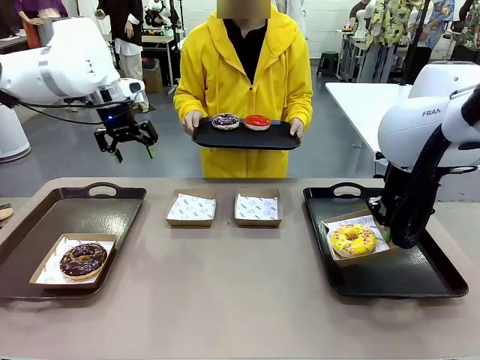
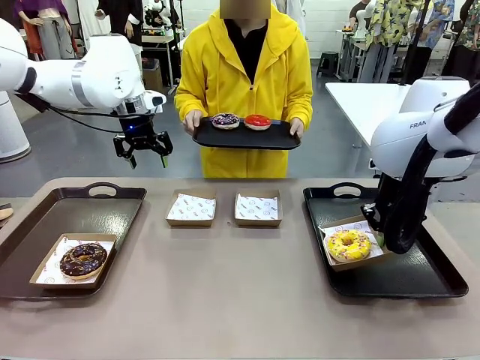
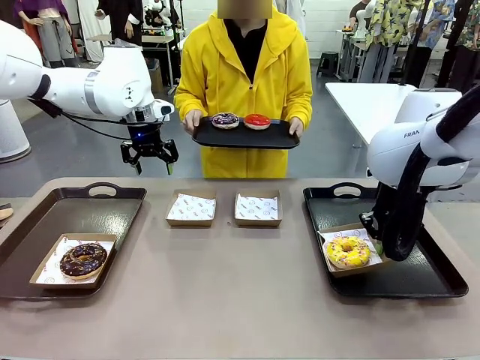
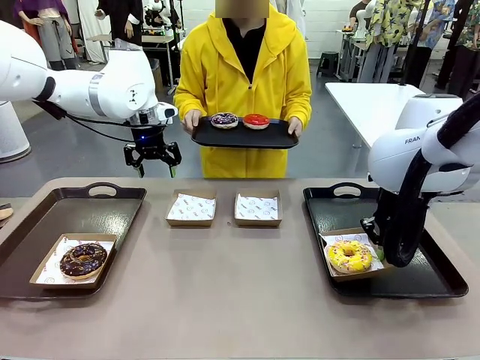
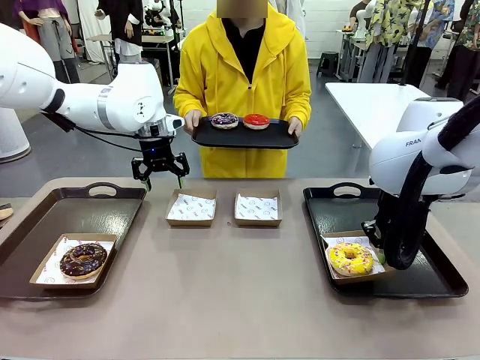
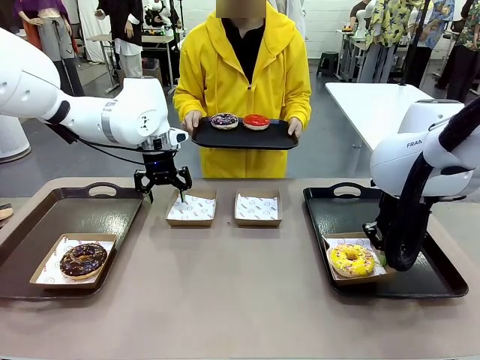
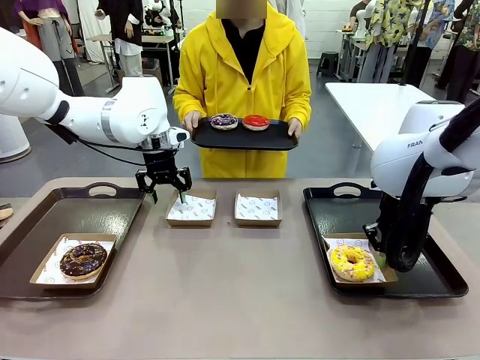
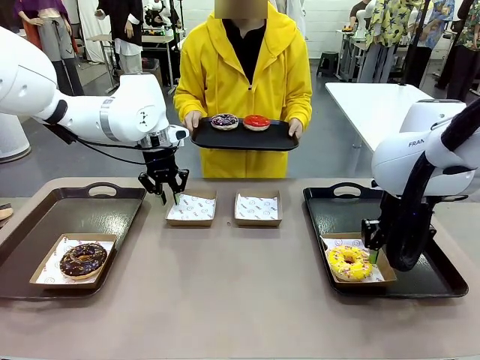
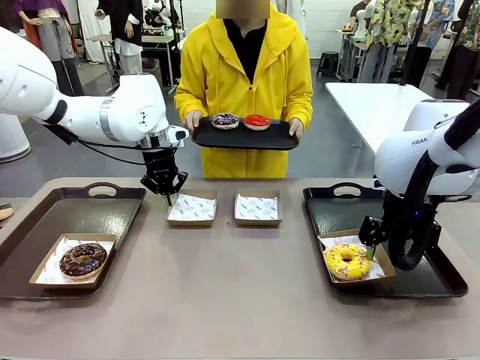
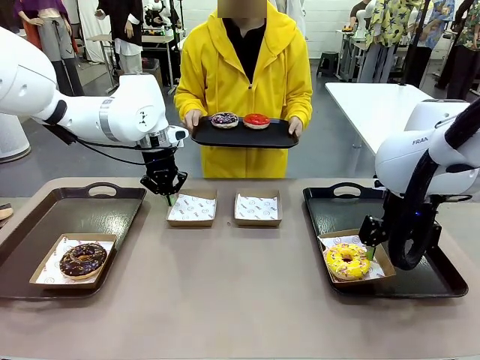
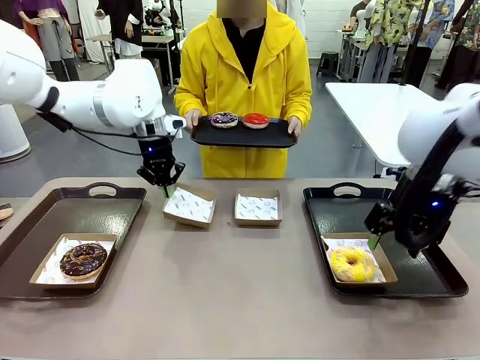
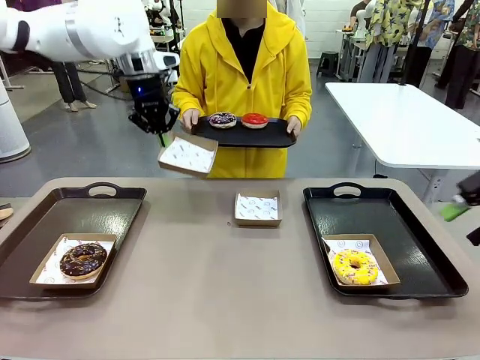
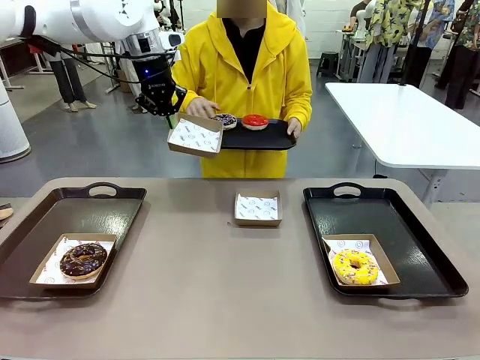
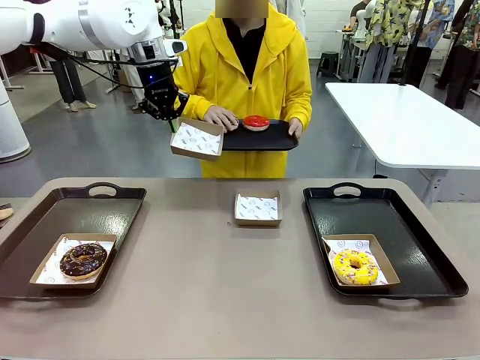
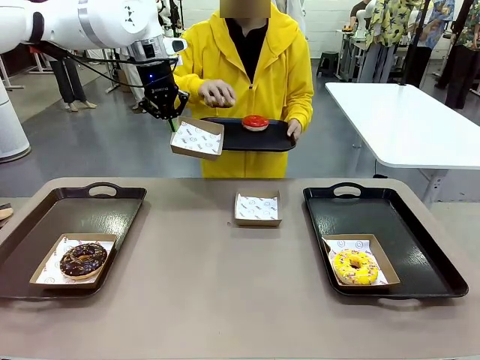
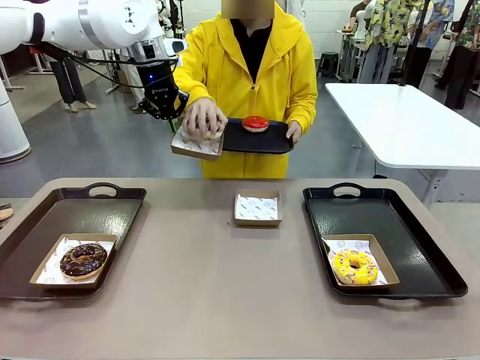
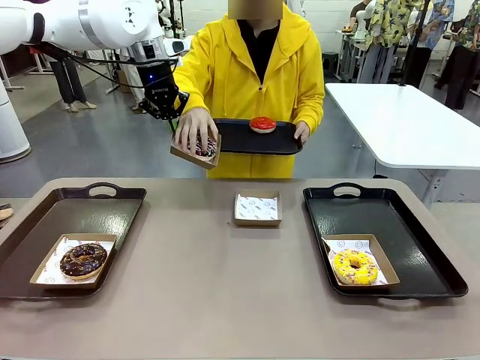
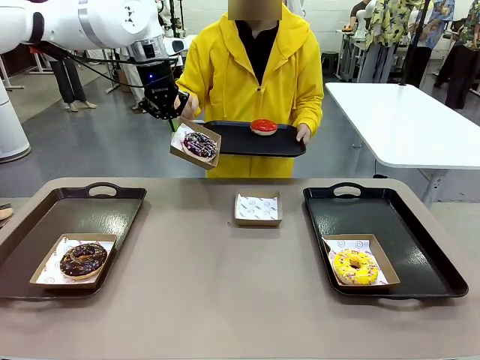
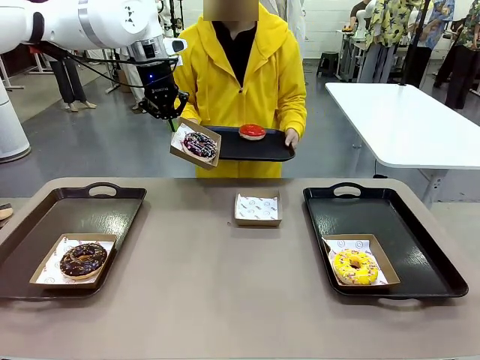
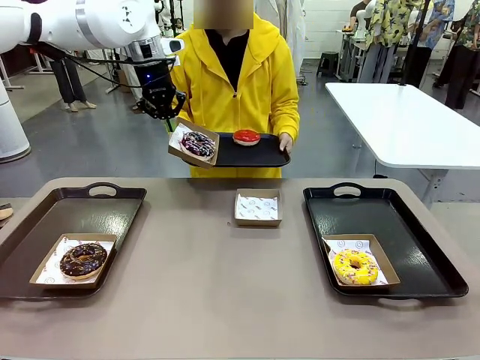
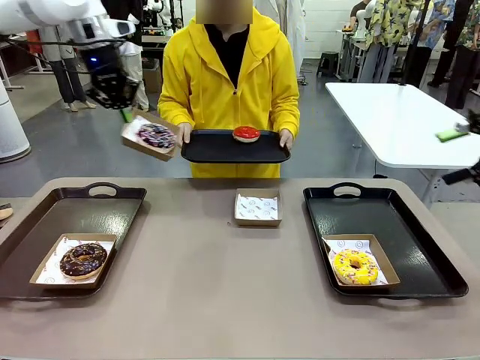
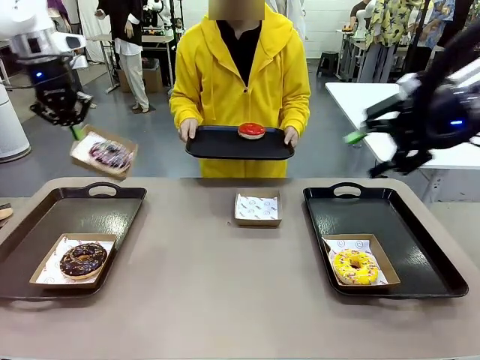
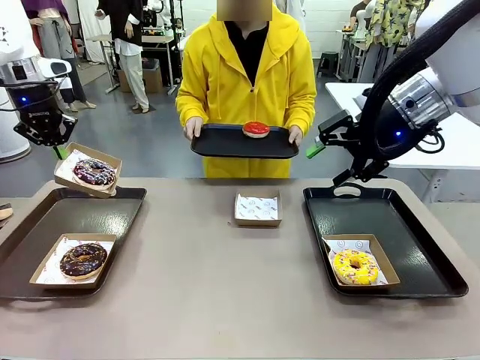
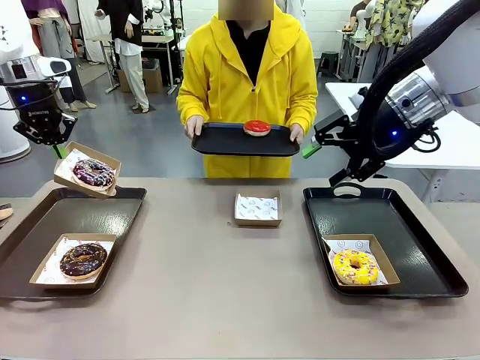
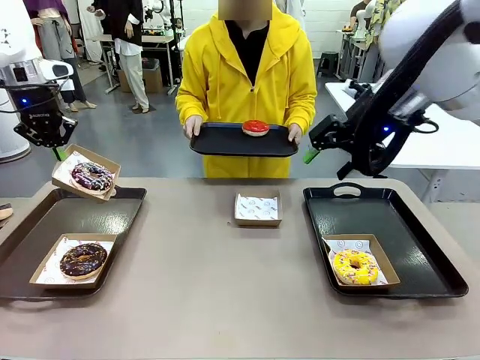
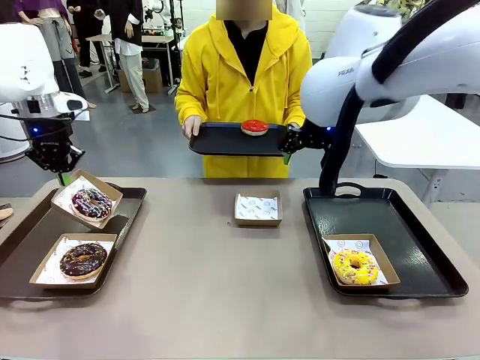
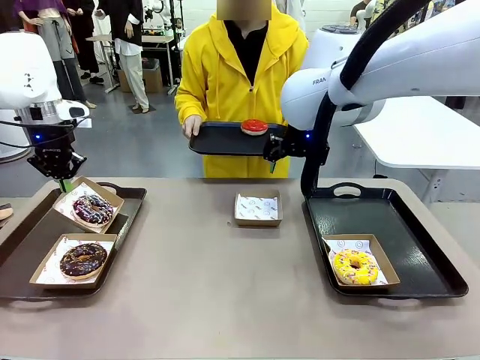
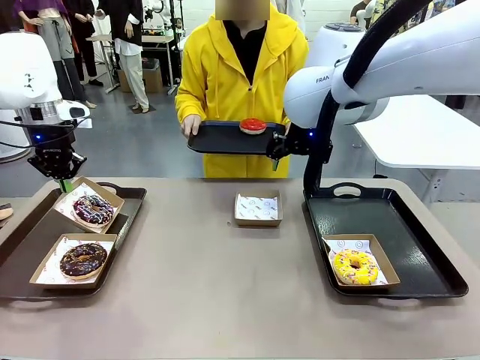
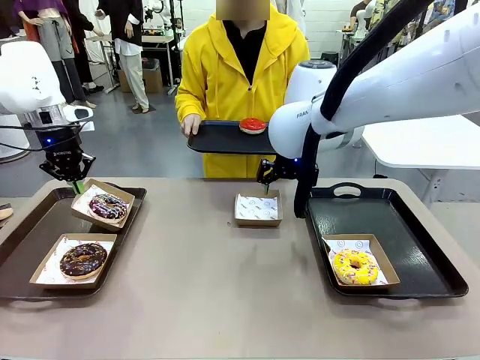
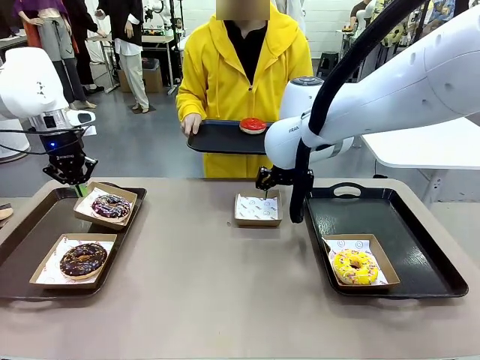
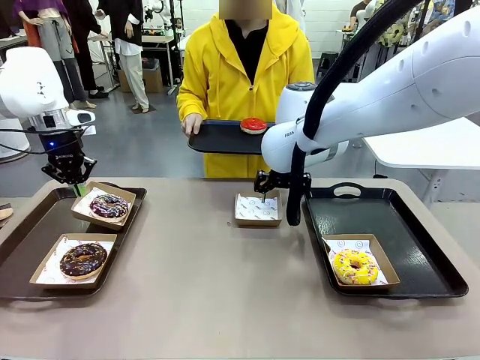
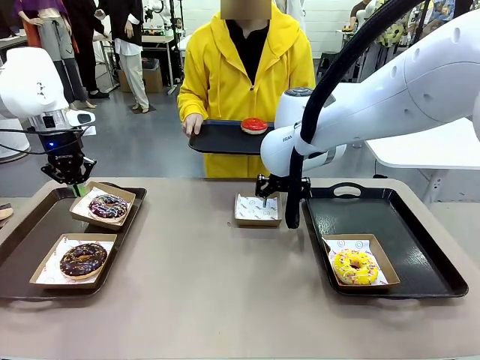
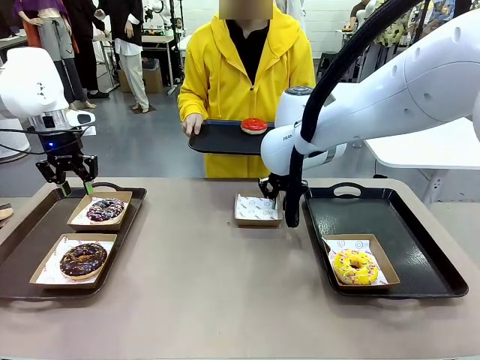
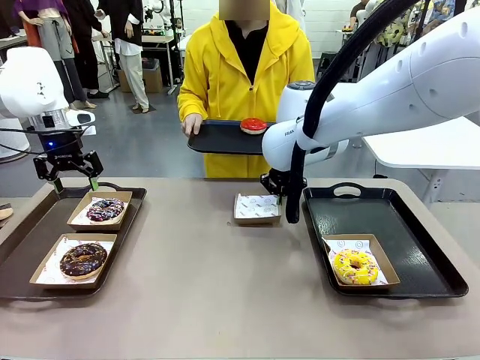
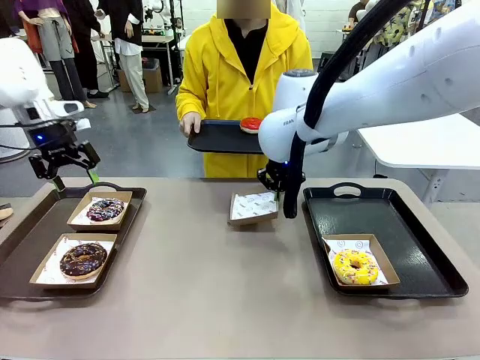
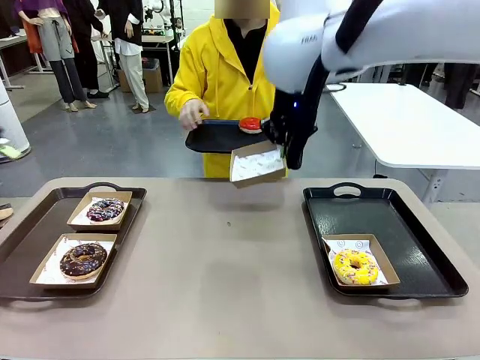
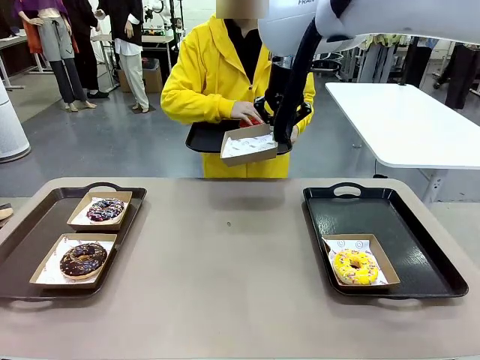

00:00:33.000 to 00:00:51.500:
Task: Individually package the donuts and arrange them on the tray.
Robot: Place the picked Paper togo box on the Handle tray while simultaneously picking up another Paper togo box from the table with the other hand.

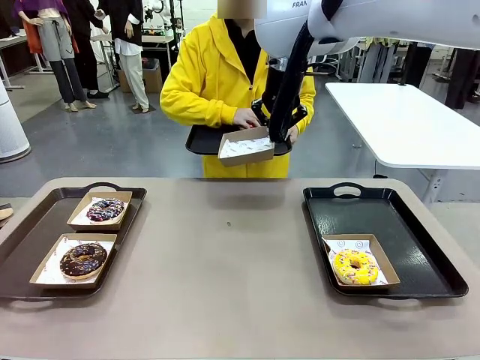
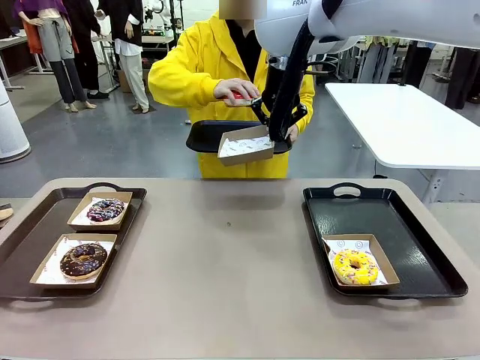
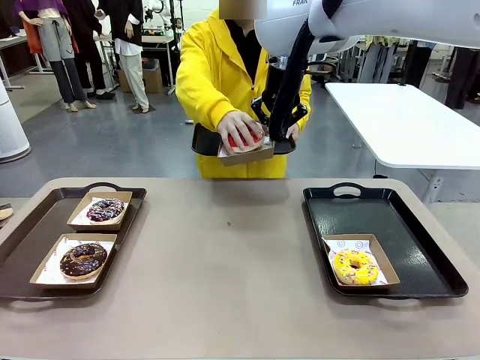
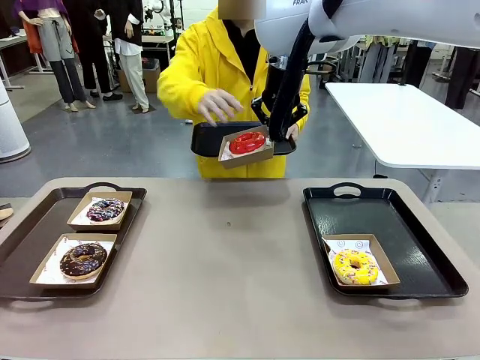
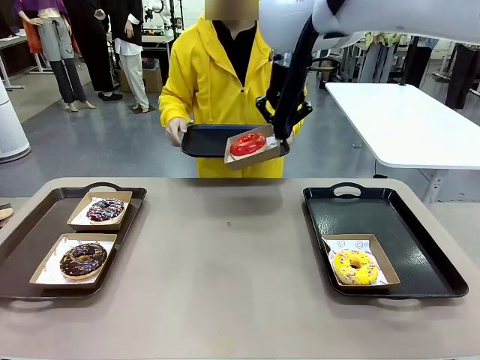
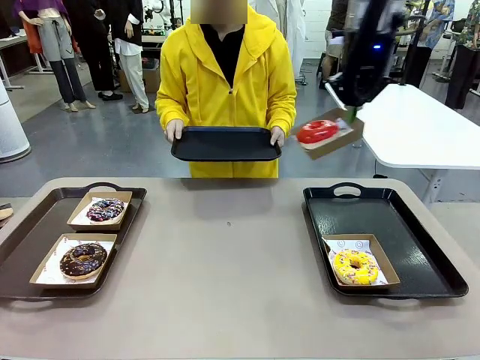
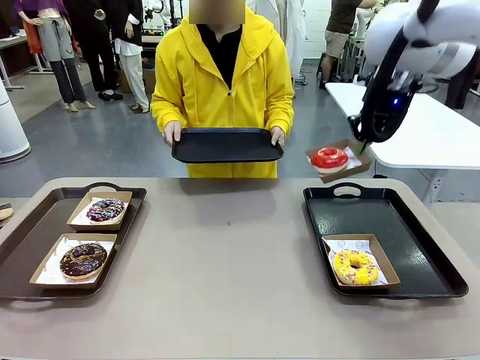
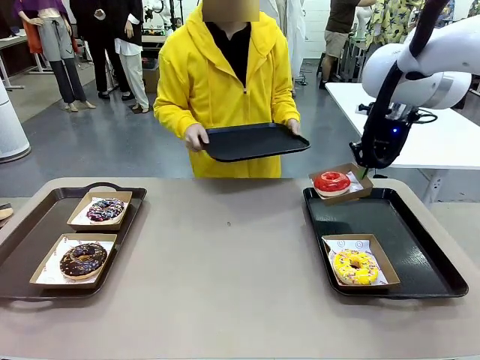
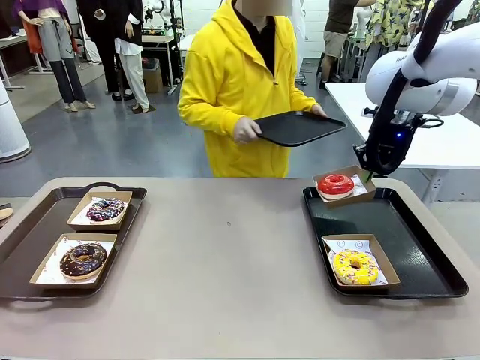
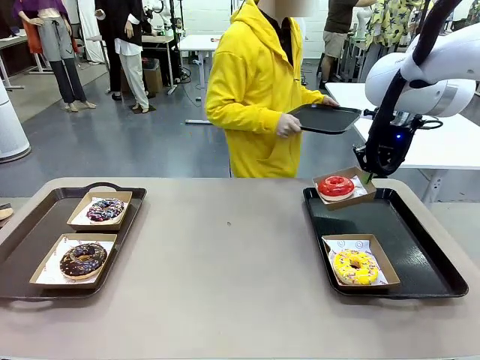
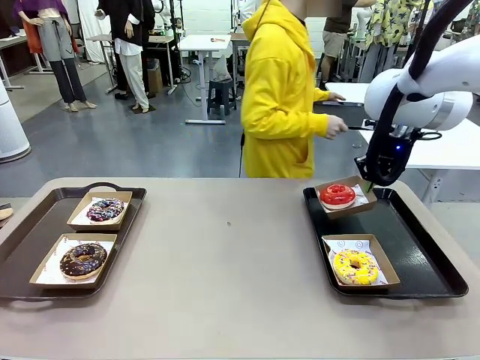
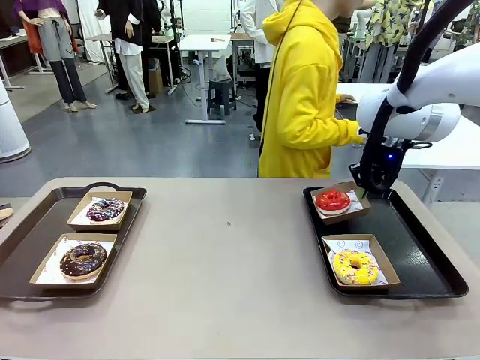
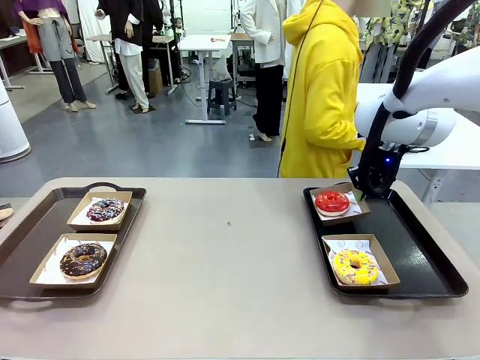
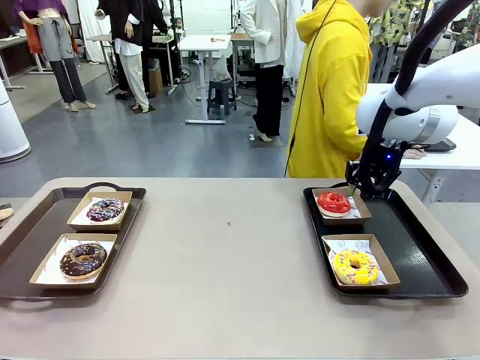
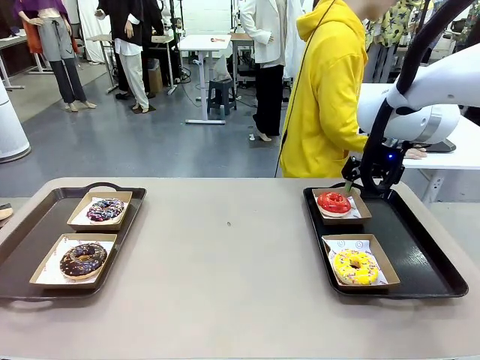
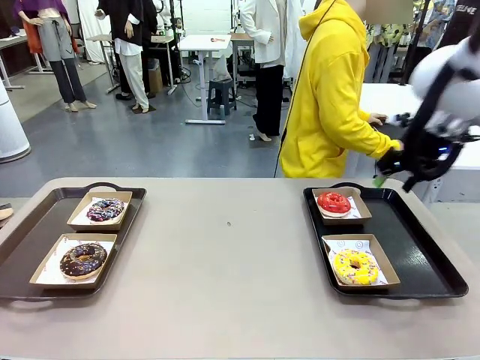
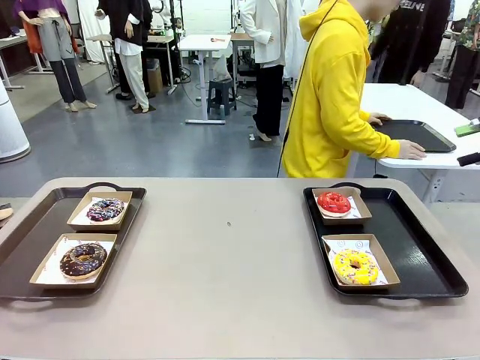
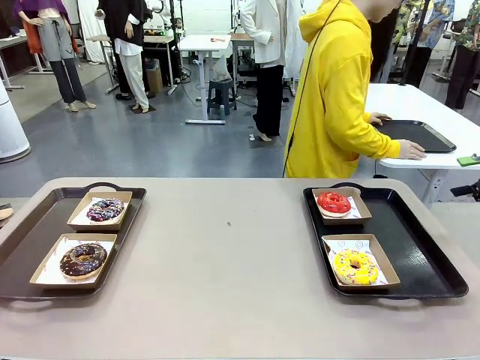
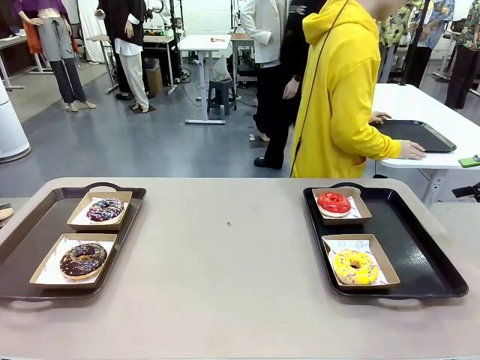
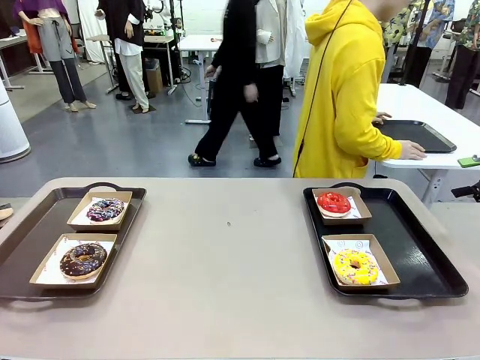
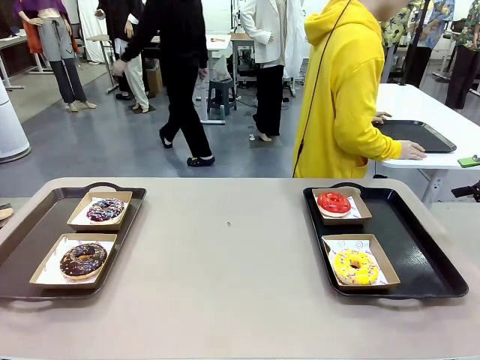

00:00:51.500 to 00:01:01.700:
Robot: Place the picked Paper togo box on the Handle tray.
Person: Place the tray down in the middle of the human table.
